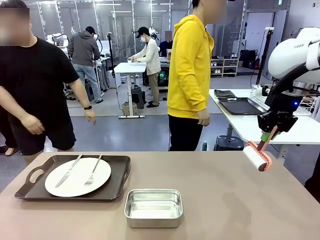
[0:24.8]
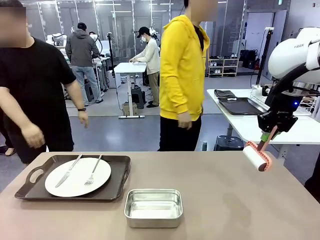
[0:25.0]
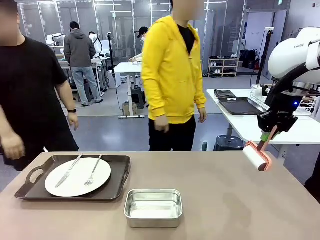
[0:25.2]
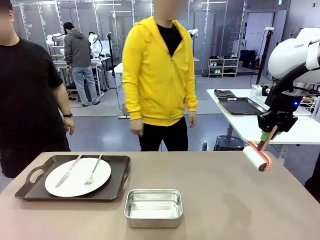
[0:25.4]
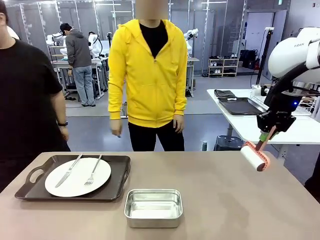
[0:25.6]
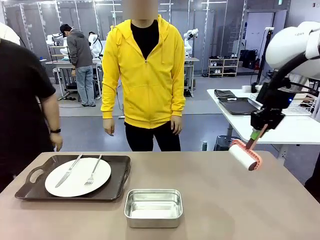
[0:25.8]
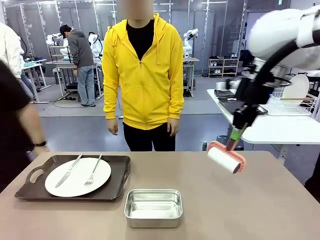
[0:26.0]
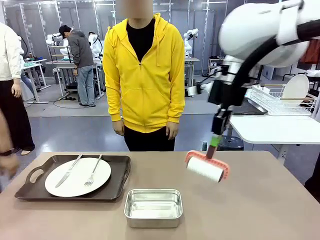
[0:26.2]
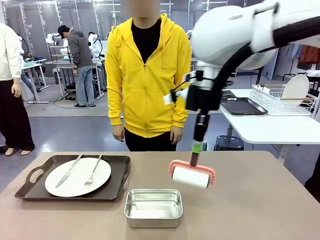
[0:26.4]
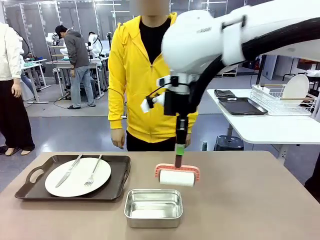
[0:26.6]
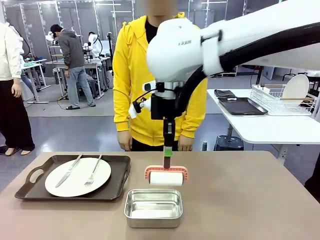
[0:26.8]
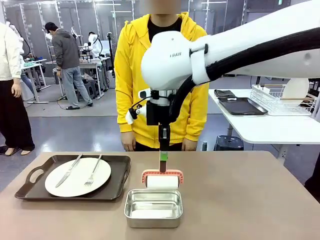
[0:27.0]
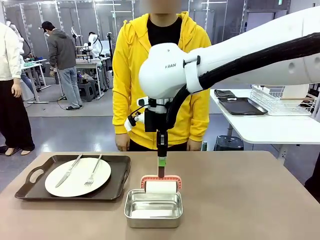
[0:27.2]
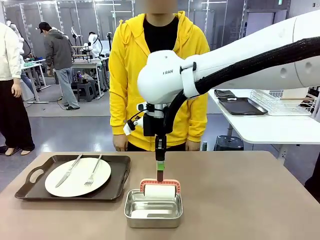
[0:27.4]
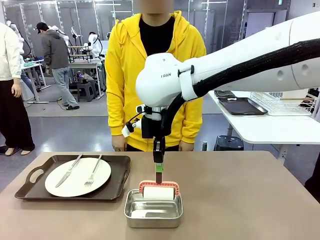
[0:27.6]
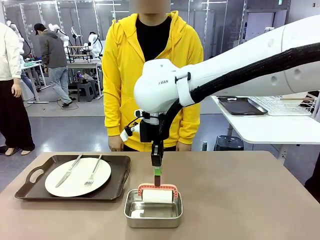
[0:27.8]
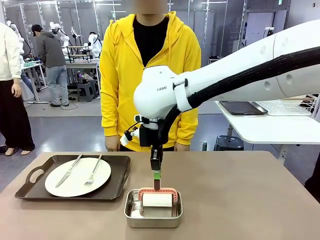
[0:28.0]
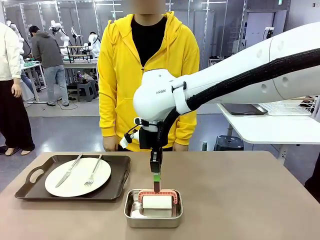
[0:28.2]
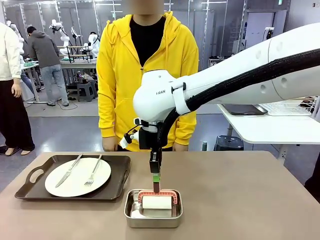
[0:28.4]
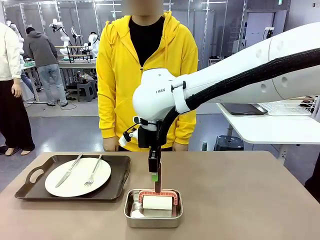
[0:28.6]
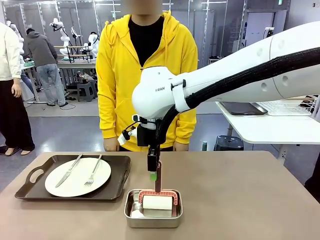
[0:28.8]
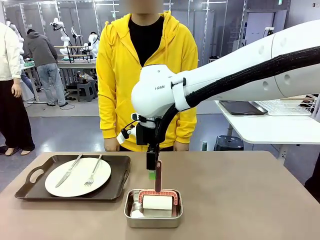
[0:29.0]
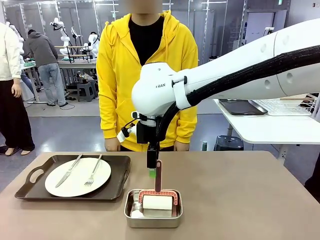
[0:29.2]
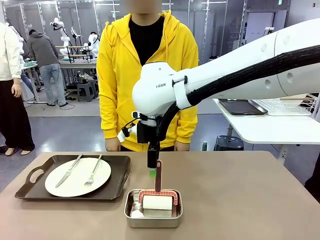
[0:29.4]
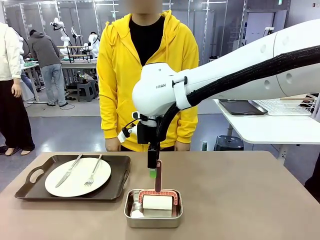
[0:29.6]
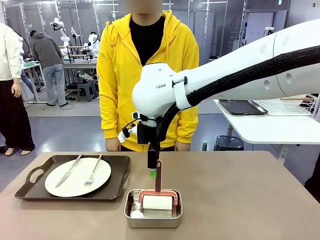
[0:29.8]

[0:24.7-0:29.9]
Robot: Place the Lint Roller back on top of the Airtight Container.

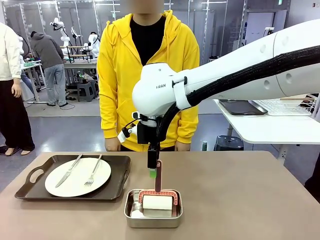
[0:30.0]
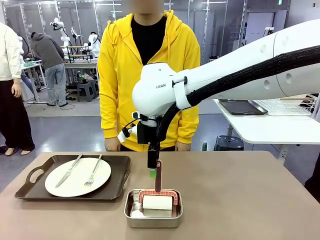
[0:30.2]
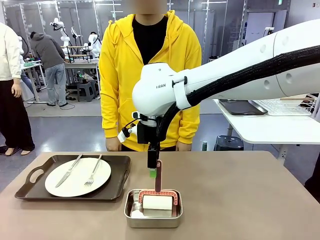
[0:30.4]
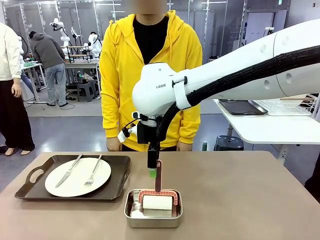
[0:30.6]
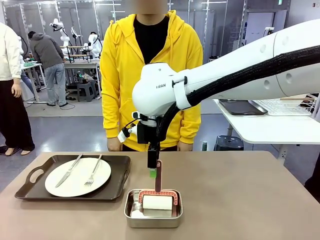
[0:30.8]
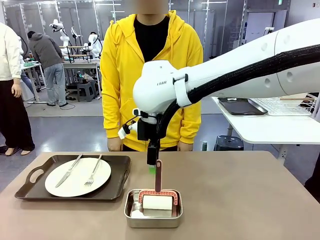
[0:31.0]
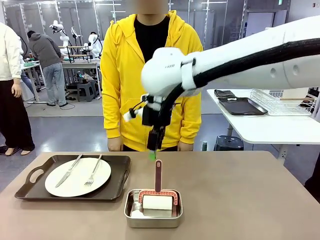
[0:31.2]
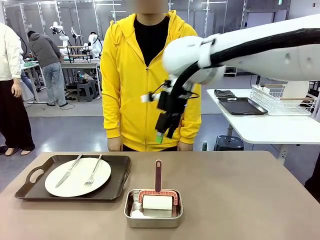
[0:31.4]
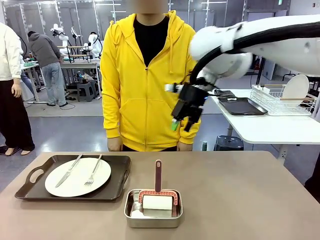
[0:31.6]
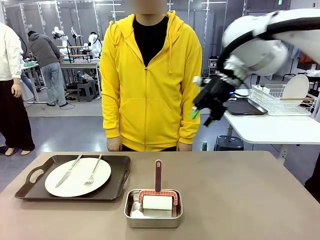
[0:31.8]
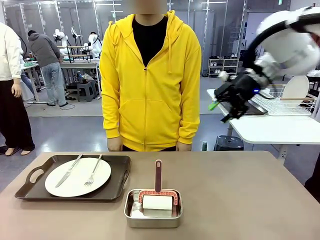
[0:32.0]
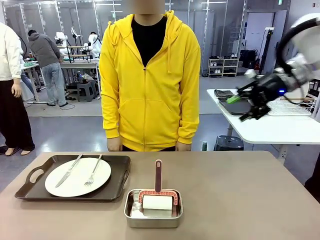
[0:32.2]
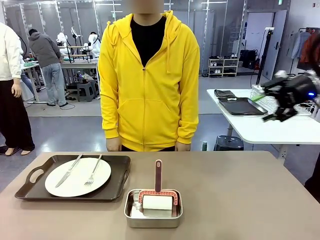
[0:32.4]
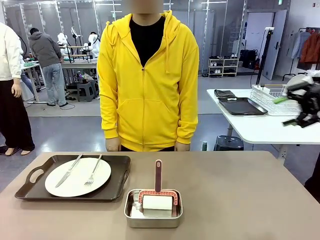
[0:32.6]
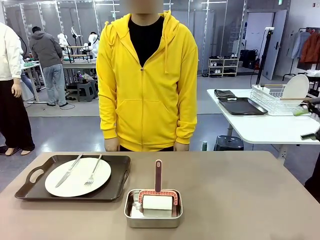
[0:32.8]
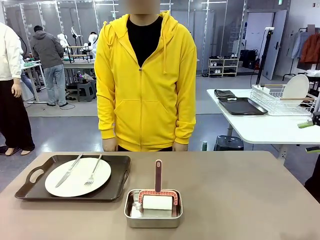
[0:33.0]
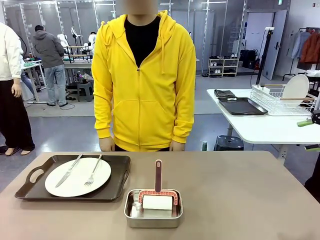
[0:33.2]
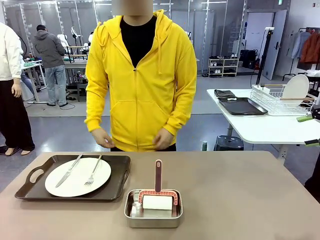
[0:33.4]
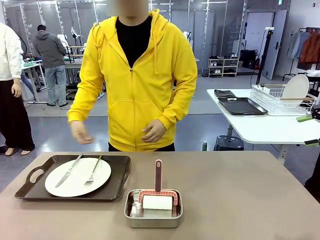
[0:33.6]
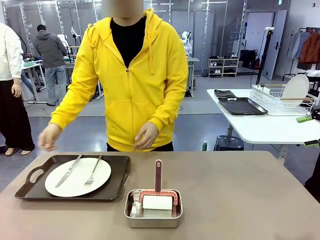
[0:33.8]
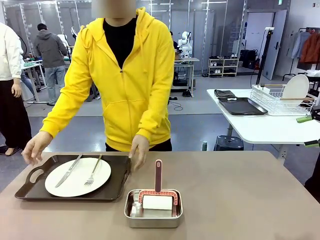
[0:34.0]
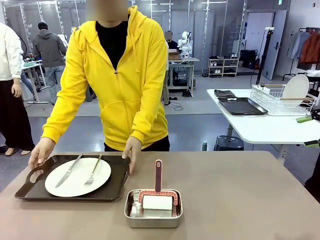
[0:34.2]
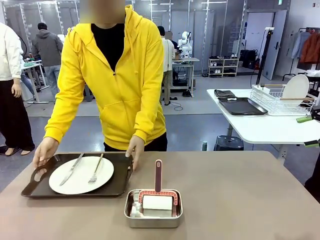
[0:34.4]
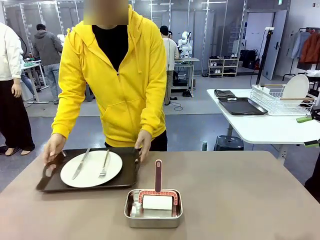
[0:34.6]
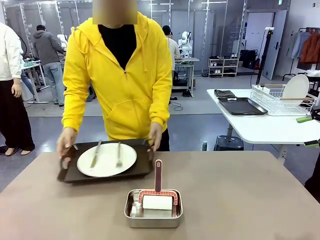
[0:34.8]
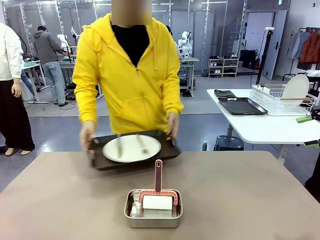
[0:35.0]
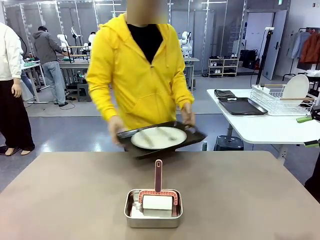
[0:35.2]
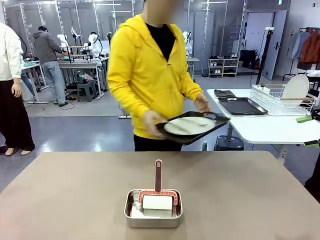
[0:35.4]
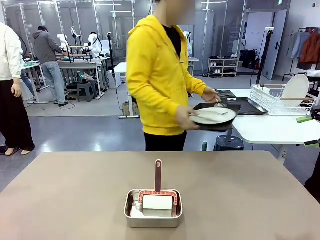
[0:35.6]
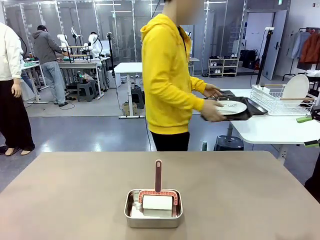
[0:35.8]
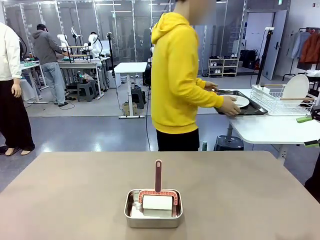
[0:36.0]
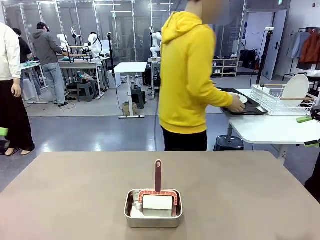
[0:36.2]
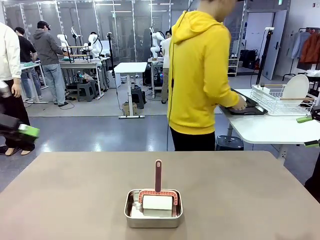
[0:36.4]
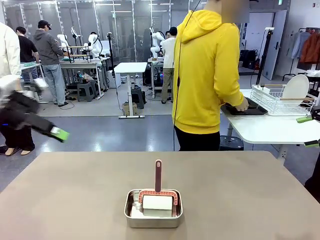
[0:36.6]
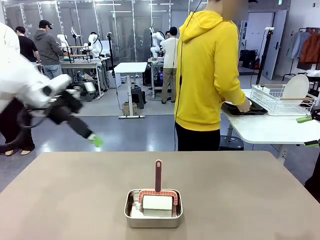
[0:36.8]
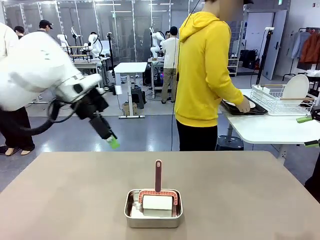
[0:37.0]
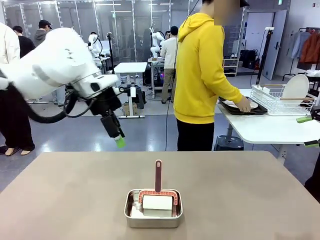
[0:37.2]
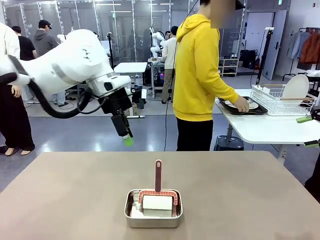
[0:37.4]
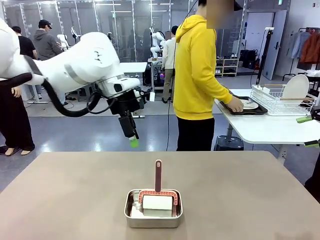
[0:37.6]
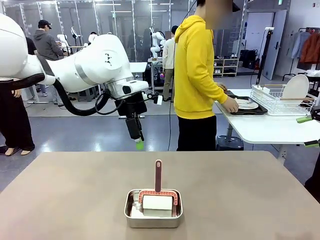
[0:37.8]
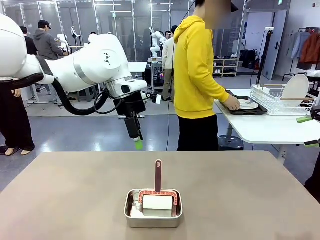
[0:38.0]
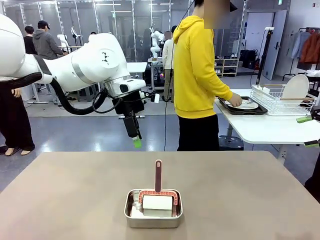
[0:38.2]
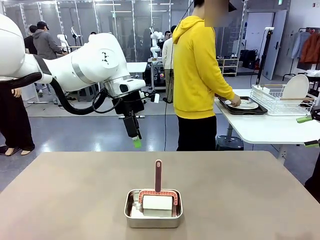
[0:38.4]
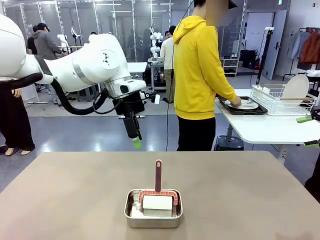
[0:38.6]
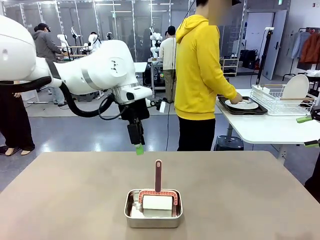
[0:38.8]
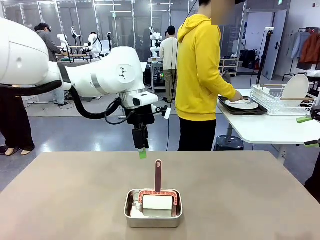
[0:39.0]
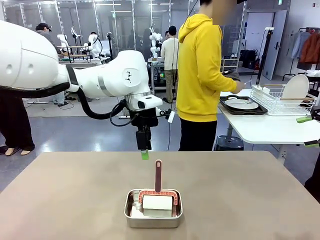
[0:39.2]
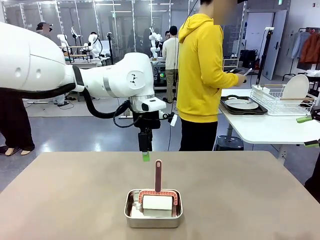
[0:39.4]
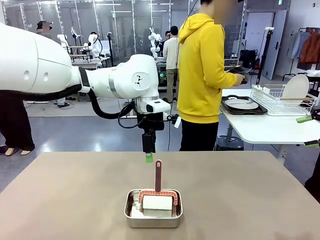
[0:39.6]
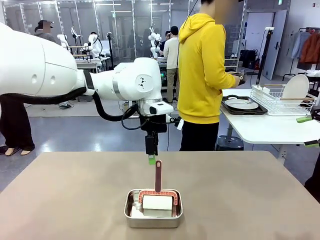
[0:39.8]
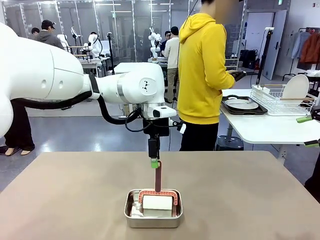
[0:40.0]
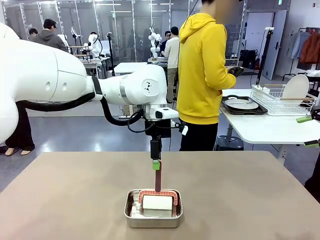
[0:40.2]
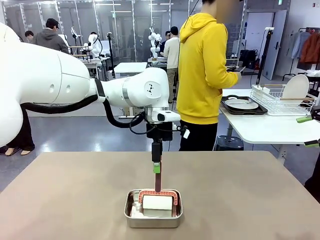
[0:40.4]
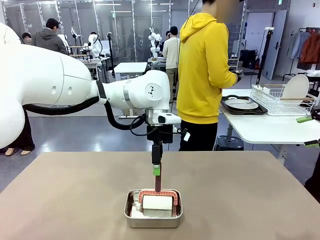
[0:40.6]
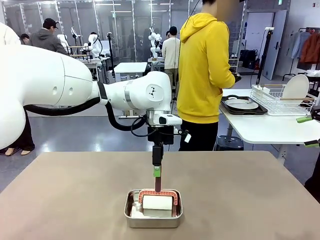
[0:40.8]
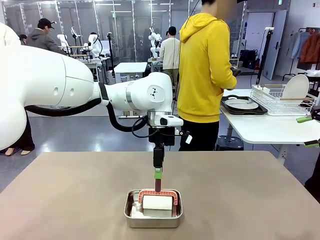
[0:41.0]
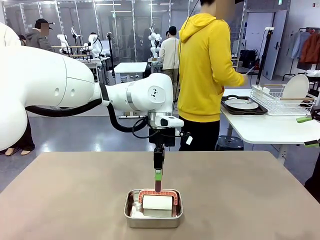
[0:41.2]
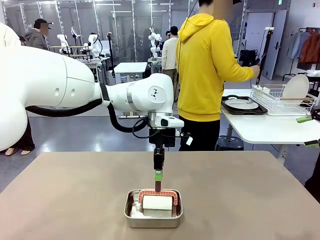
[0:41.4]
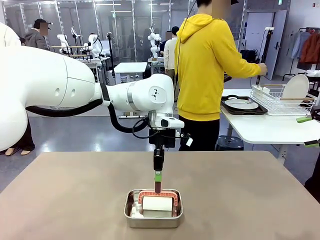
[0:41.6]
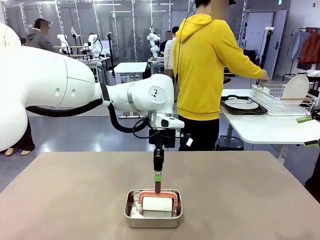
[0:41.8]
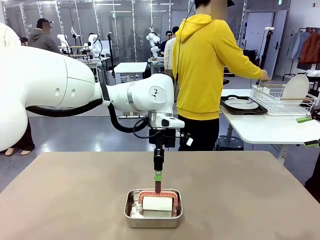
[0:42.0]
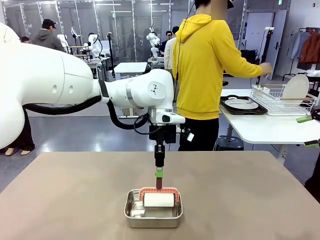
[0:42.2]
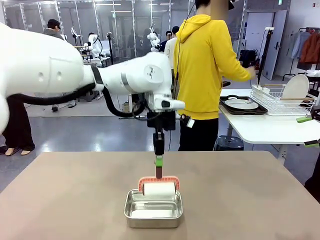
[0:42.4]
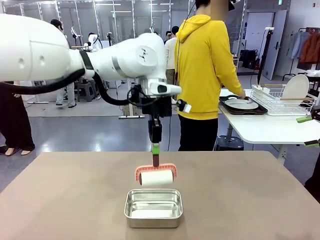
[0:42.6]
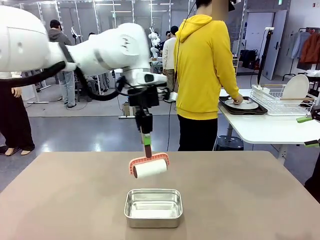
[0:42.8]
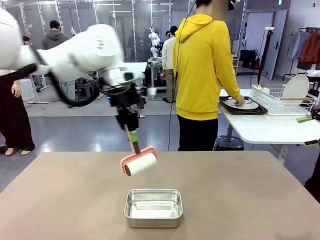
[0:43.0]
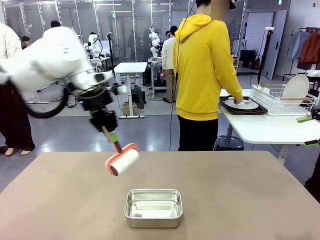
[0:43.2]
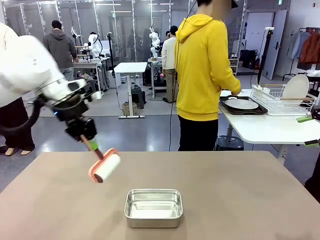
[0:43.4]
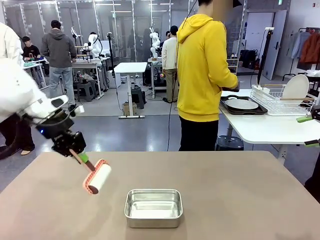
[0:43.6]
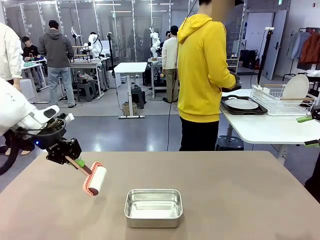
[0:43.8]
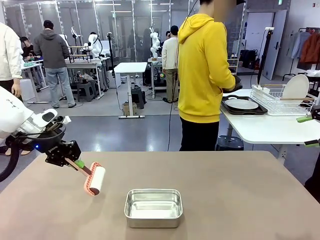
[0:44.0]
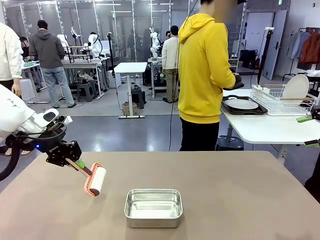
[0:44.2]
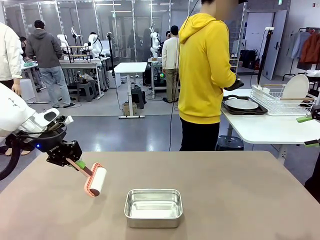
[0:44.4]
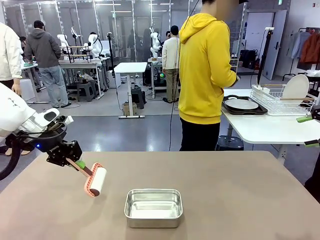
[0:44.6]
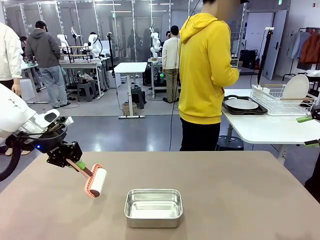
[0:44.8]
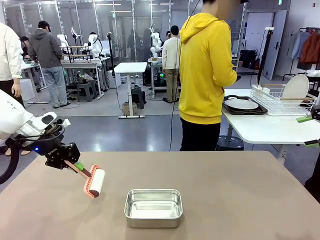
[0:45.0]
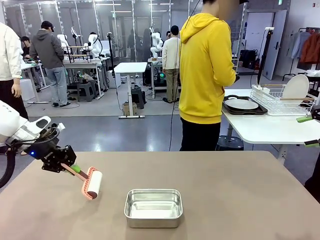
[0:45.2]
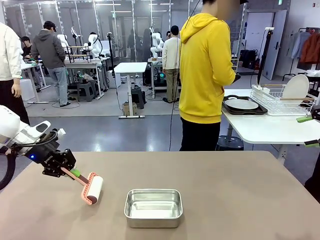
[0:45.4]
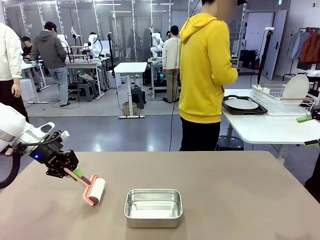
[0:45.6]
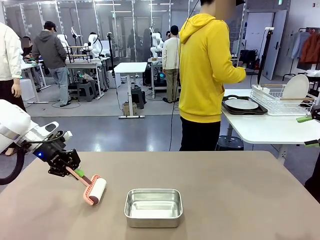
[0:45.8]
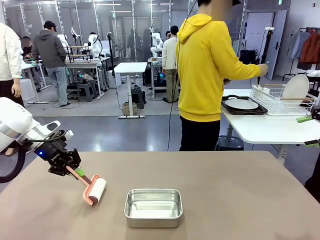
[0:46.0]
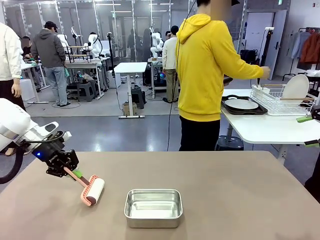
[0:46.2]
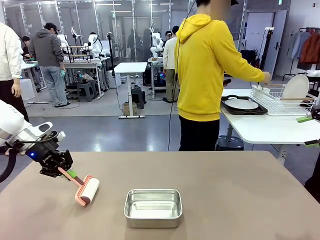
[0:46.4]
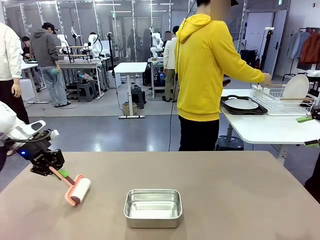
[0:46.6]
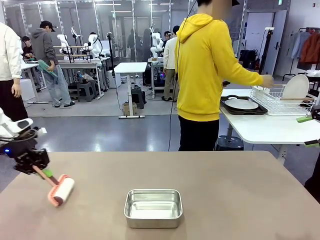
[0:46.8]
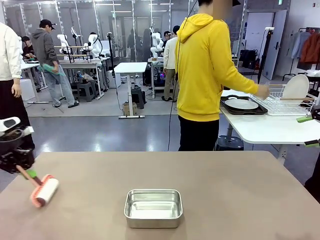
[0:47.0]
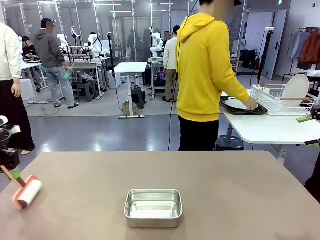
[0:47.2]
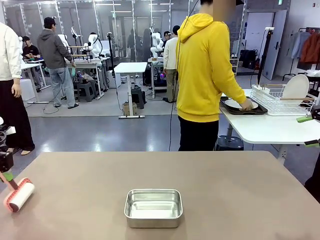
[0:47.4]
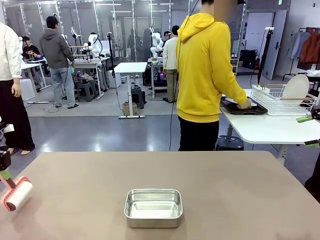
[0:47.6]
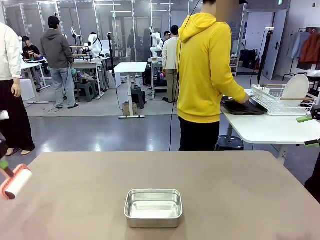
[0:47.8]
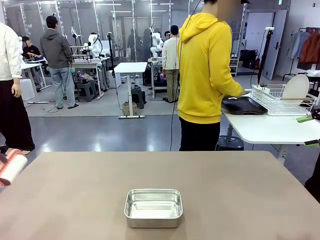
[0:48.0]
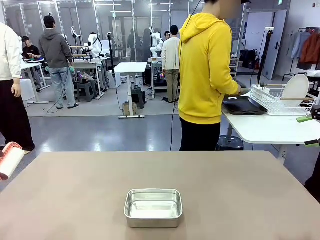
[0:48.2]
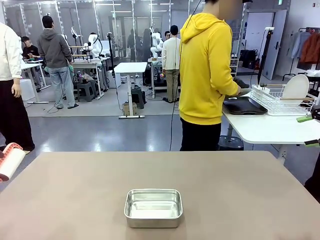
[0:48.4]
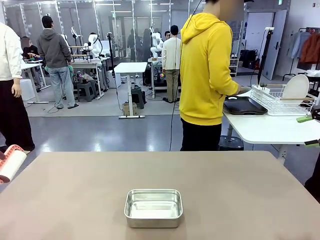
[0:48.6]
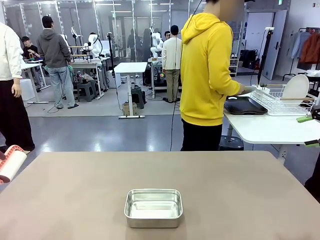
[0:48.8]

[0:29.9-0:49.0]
Robot: When the right (or left) Handle tray is removed, use the right hand (or left hand) to clean the right (or left) side of the table with the Lint Roller.
Person: Pick up the left (or right) Handle tray and place it on the Handle tray. Use the Towel with hook to wipe the Plastic Matte Plate , Fork , and Knife and place into the Dish drying rack.
